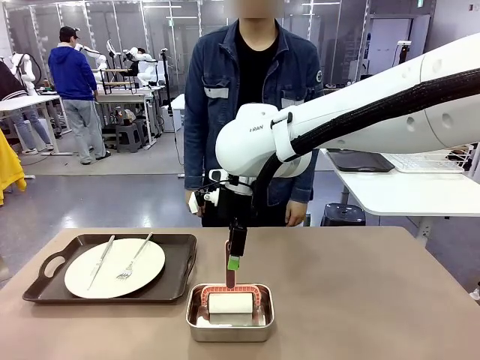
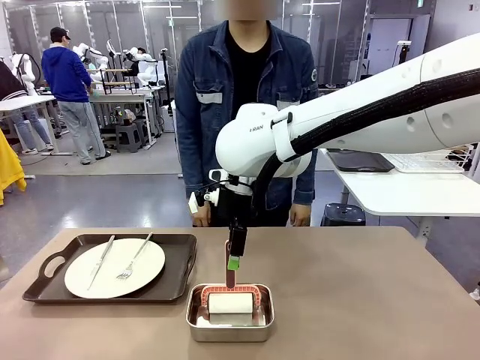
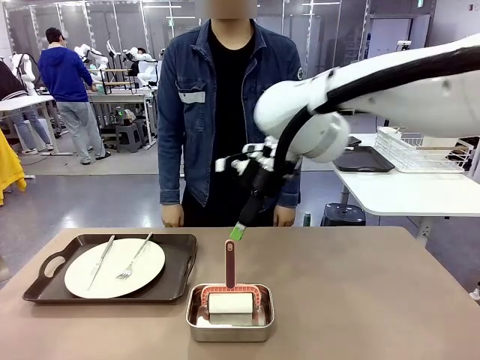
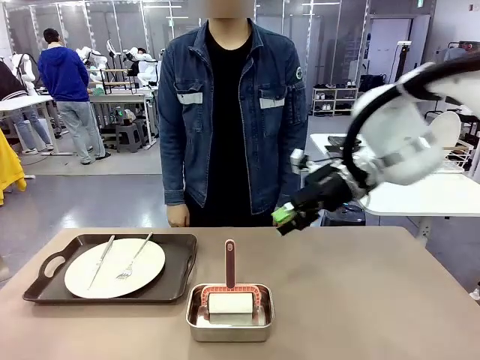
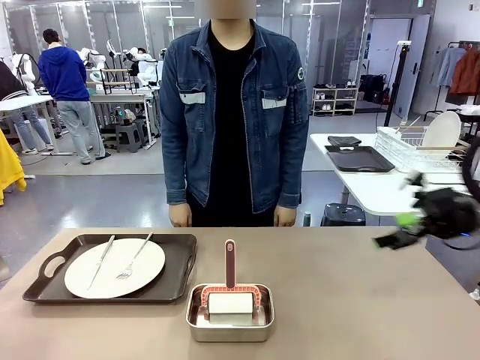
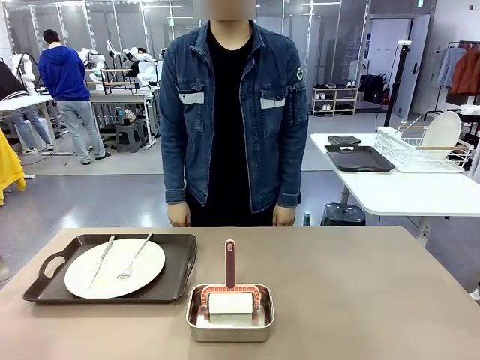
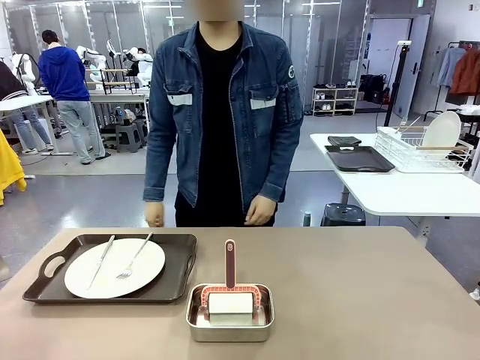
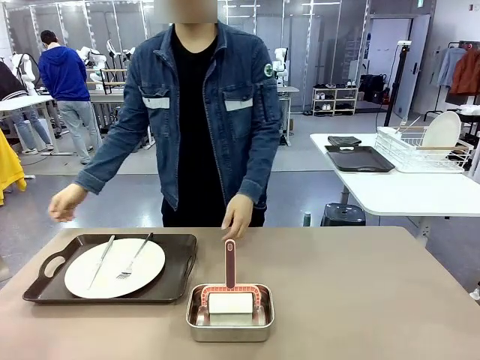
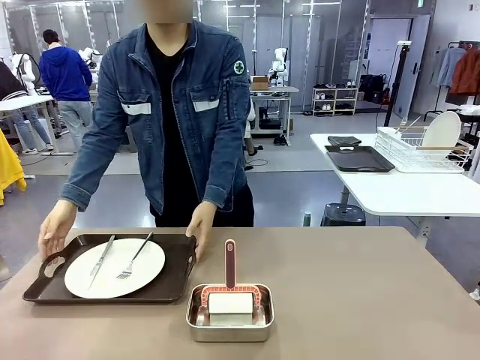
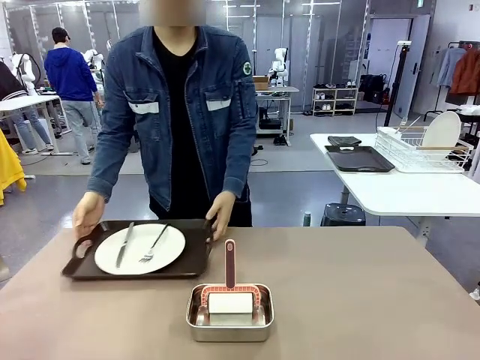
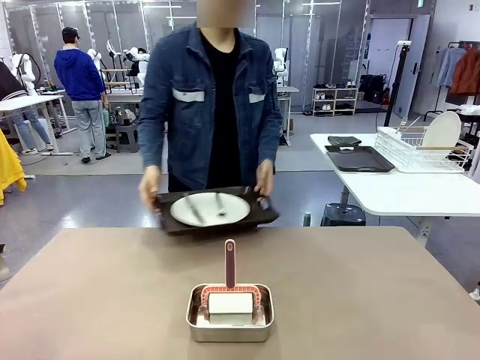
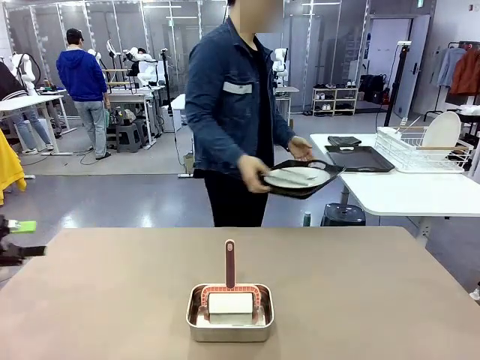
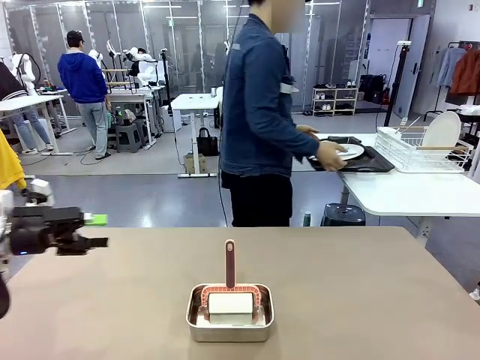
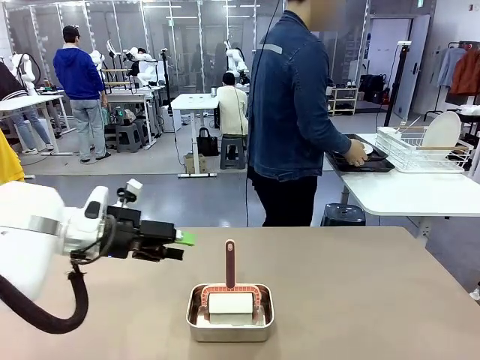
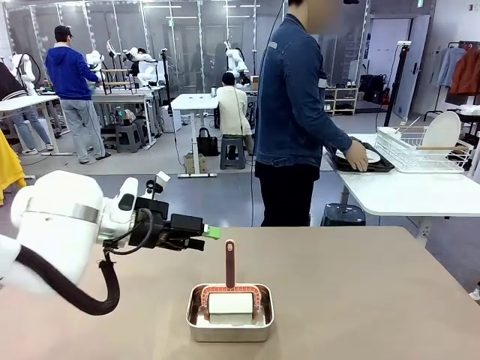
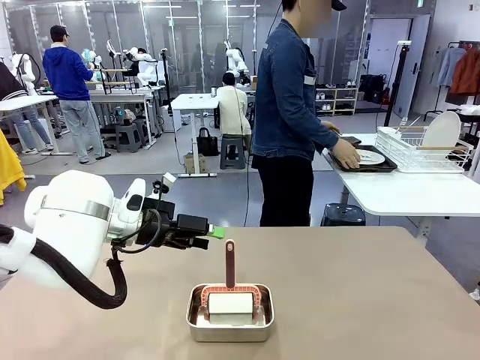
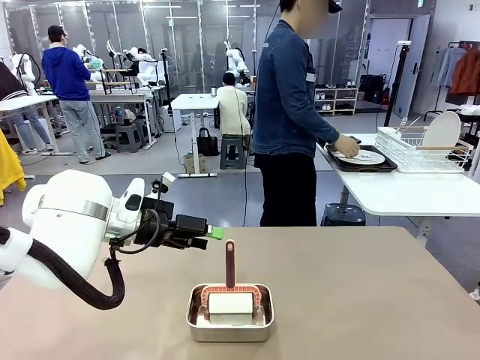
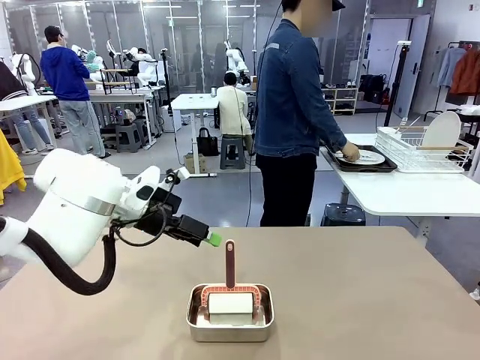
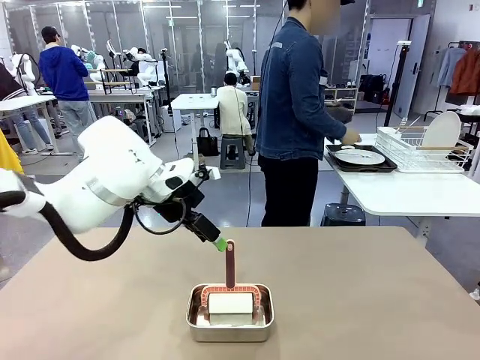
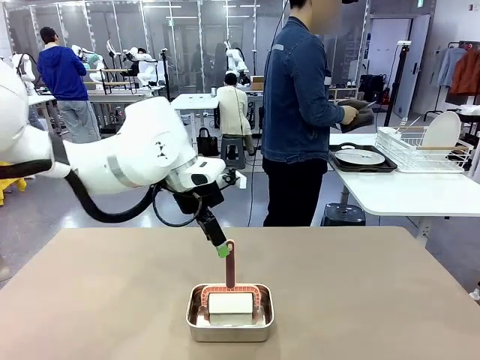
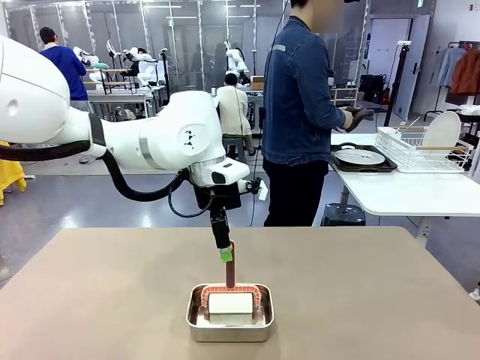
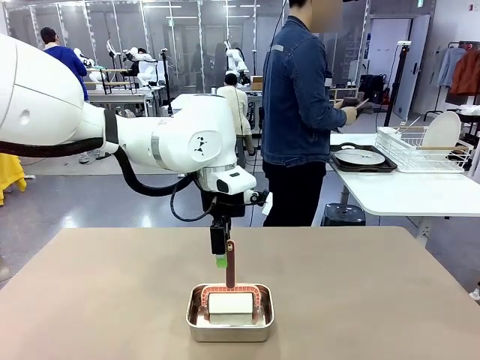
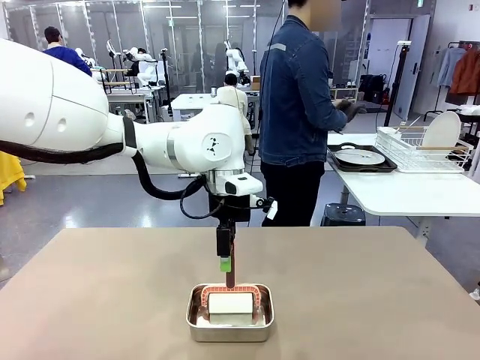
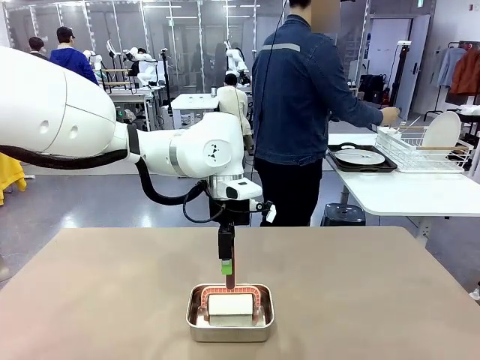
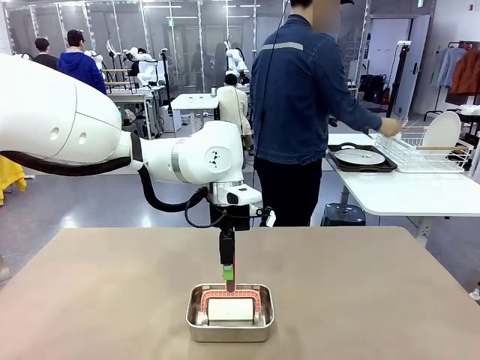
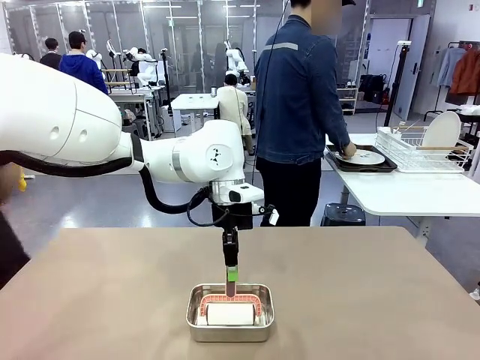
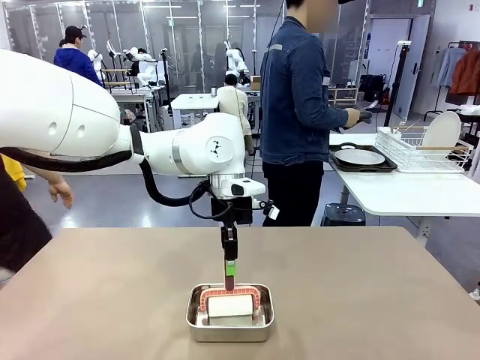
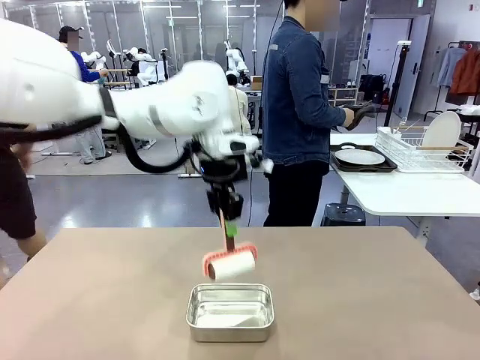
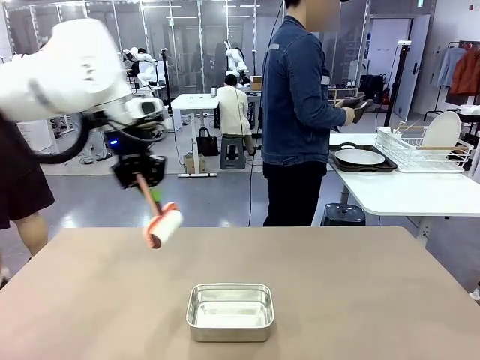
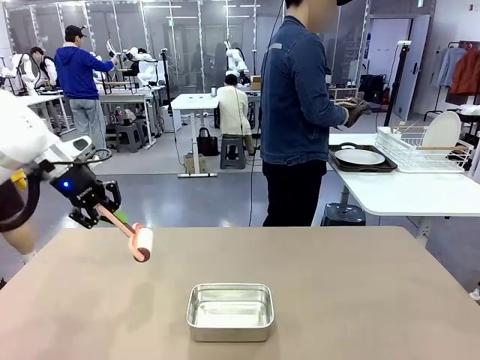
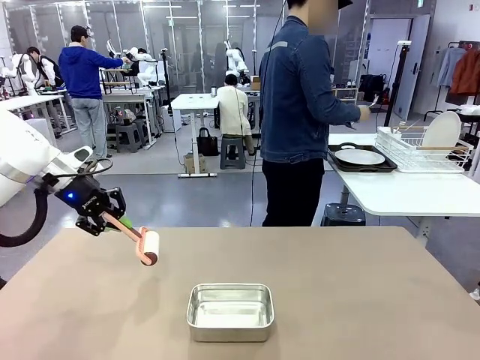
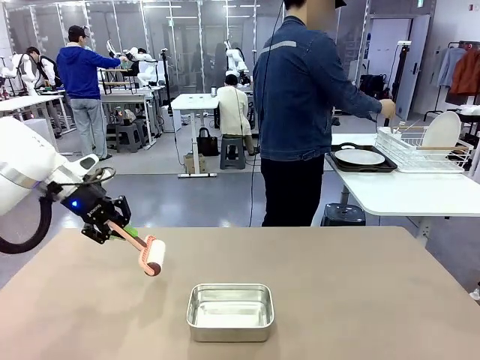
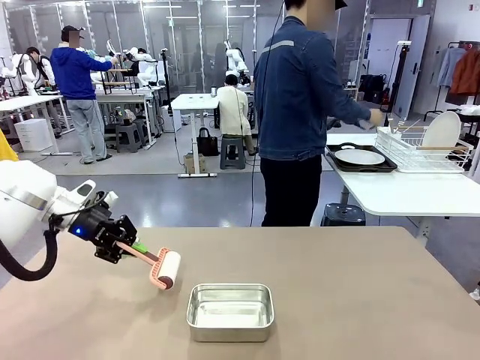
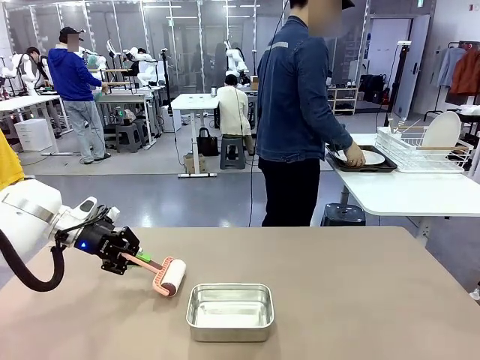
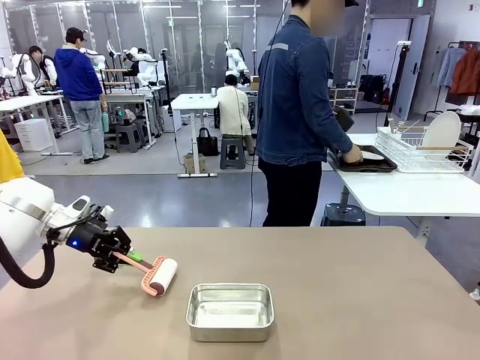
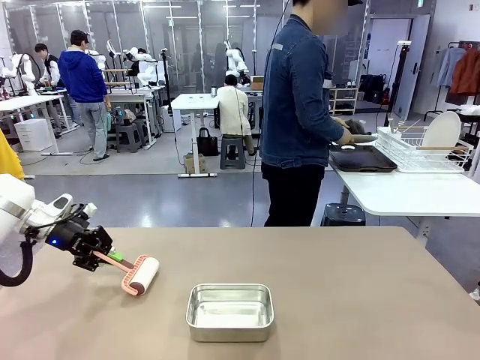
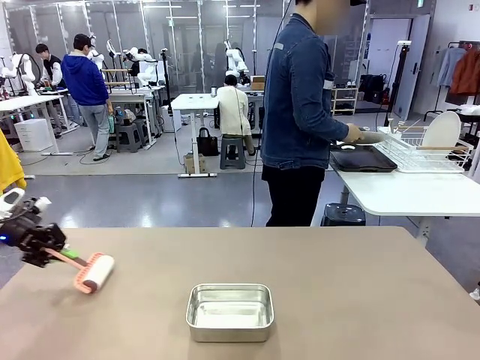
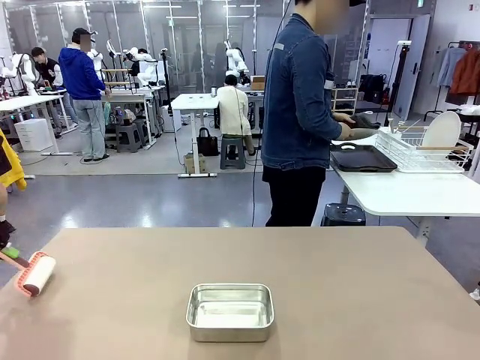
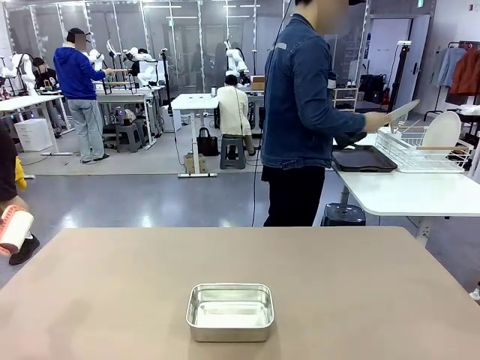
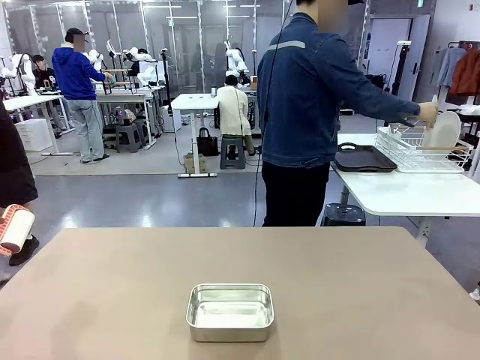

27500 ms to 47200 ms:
Robot: When the right (or left) Handle tray is removed, use the right hand (or left hand) to clean the right (or left) side of the table with the Lint Roller.
Person: Pick up the left (or right) Handle tray and place it on the Handle tray. Use the Towel with hook to wipe the Plastic Matte Plate , Fork , and Knife and place into the Dish drying rack.

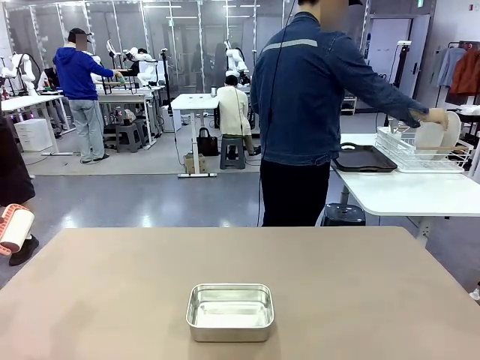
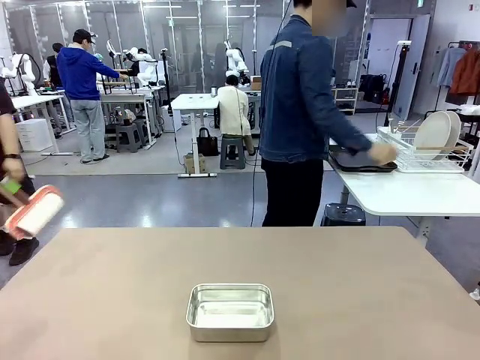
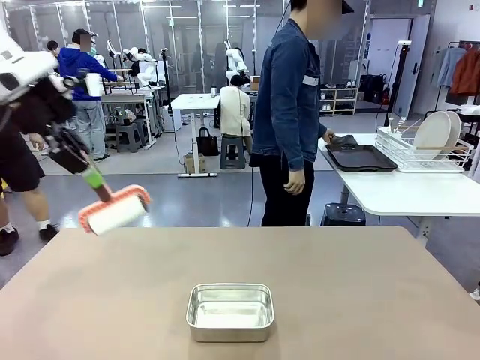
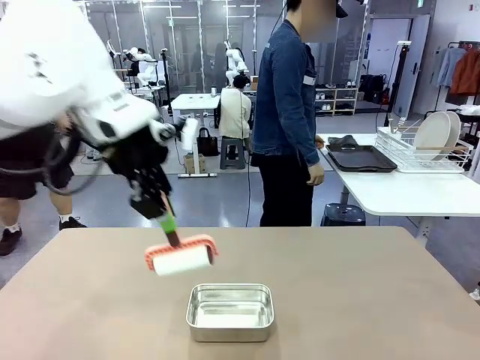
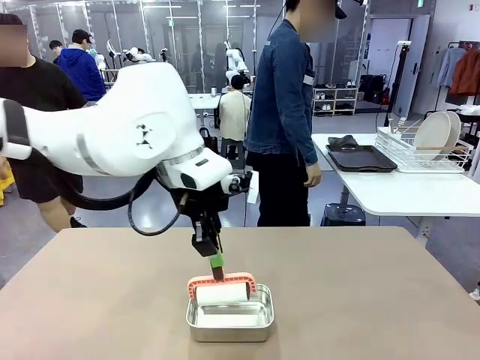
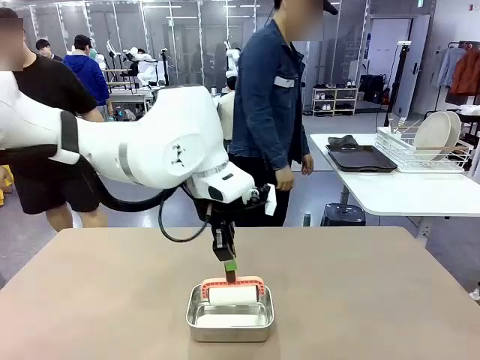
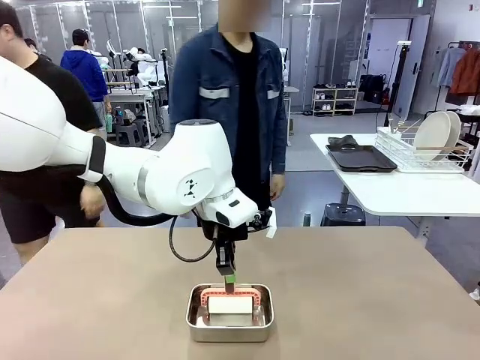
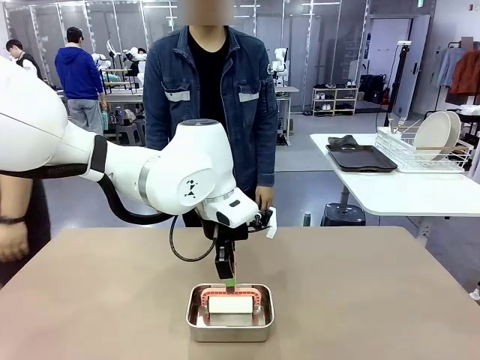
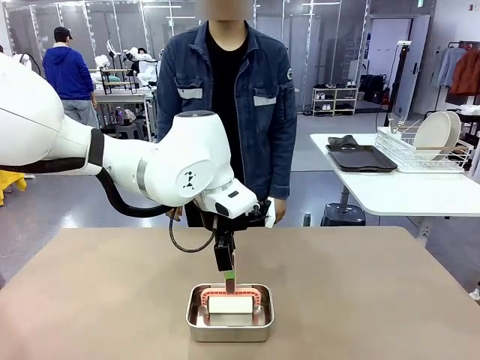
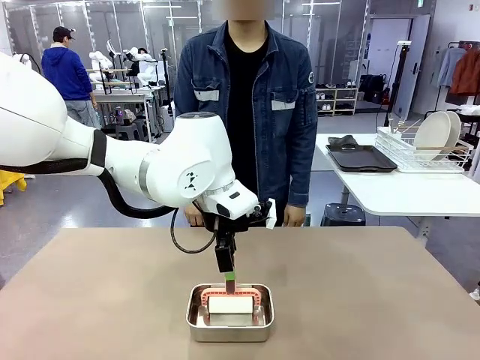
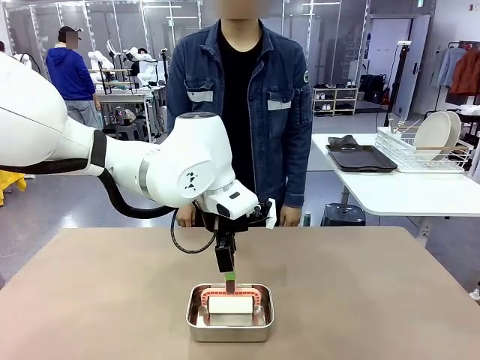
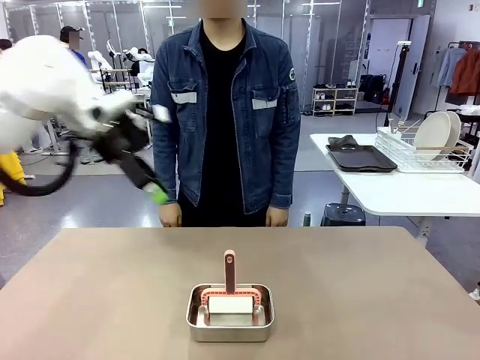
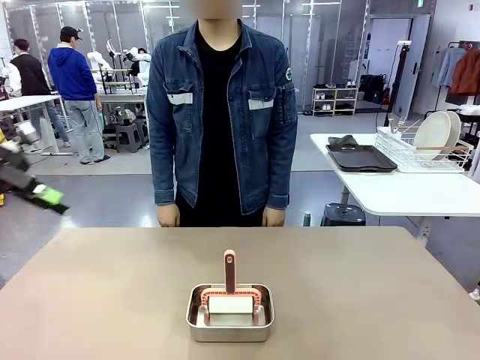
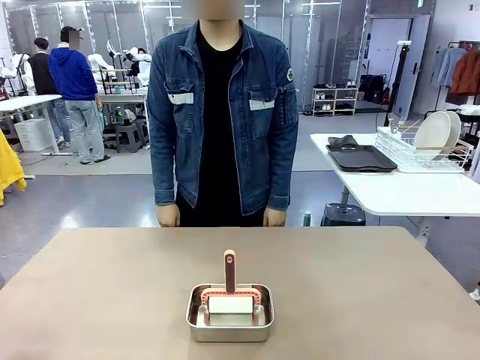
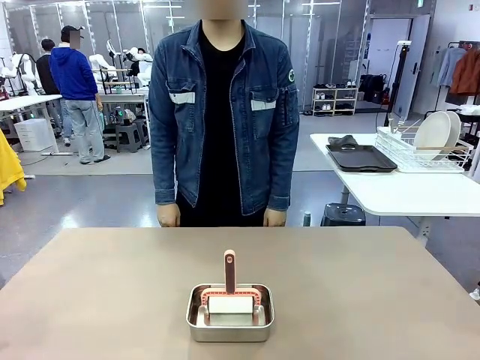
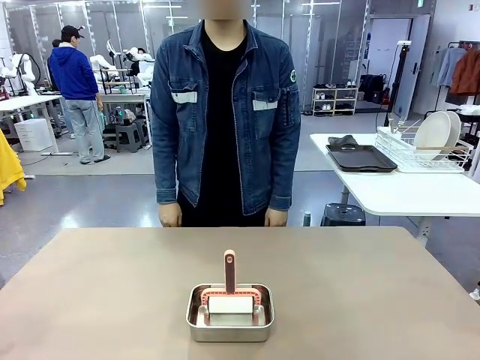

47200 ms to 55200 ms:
Robot: Place the Lint Roller back on top of the Airtight Container.
